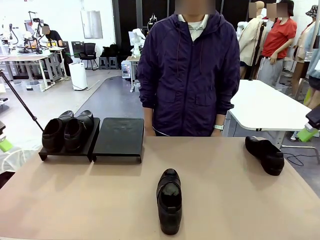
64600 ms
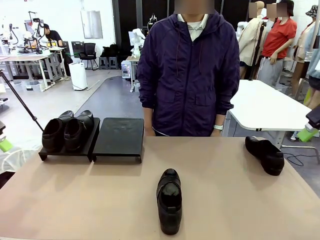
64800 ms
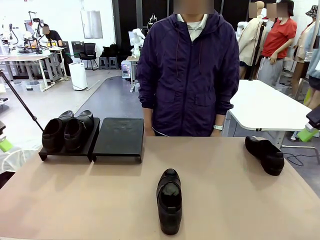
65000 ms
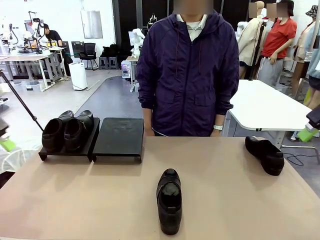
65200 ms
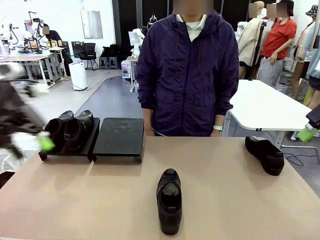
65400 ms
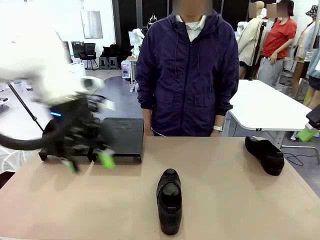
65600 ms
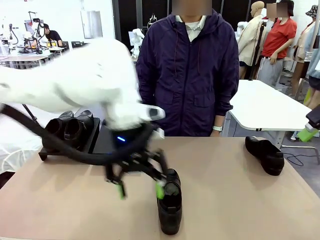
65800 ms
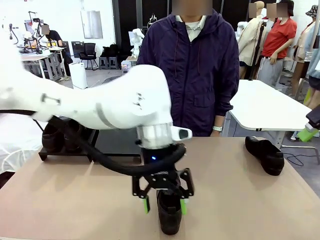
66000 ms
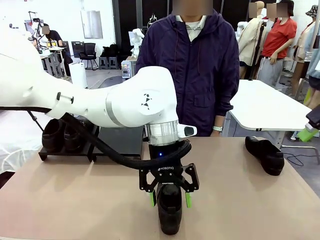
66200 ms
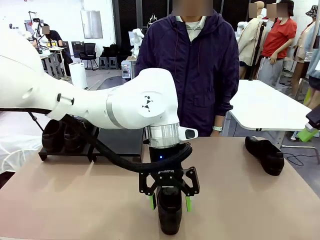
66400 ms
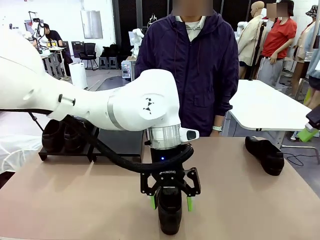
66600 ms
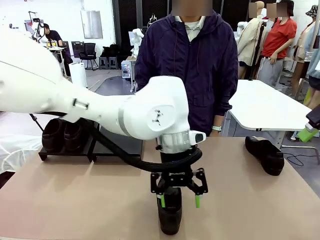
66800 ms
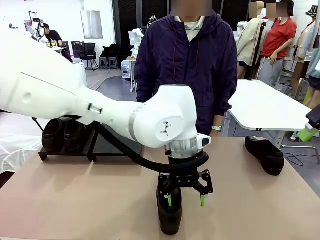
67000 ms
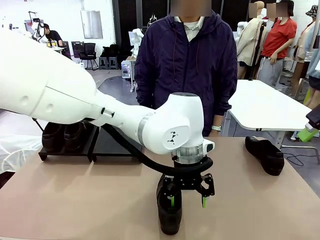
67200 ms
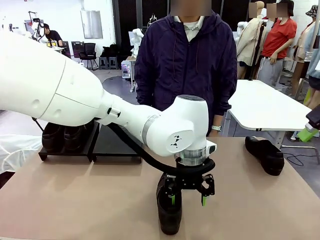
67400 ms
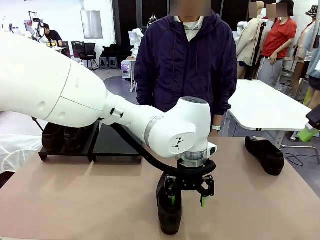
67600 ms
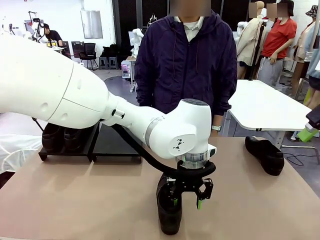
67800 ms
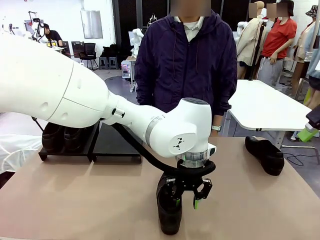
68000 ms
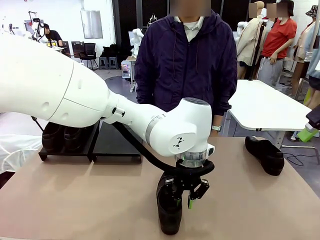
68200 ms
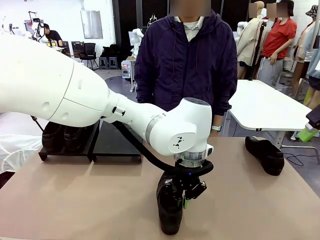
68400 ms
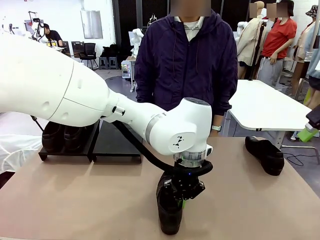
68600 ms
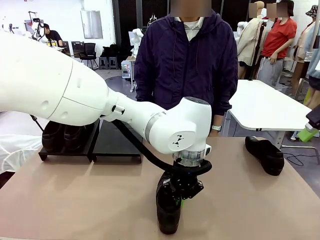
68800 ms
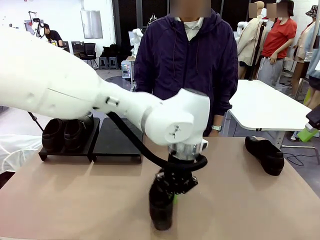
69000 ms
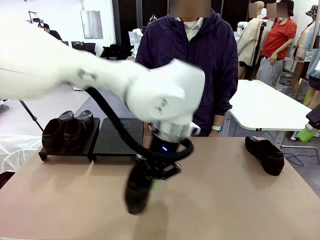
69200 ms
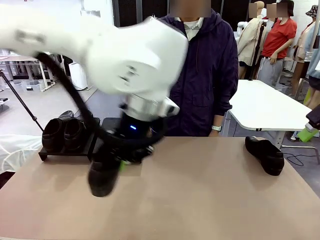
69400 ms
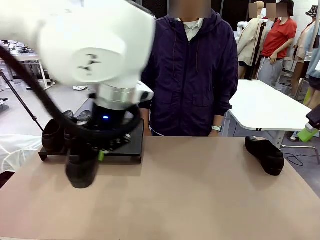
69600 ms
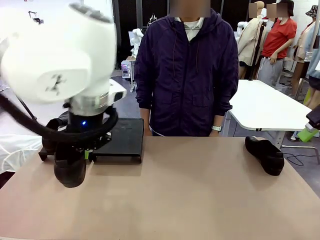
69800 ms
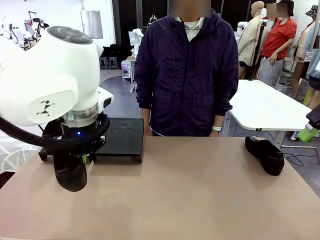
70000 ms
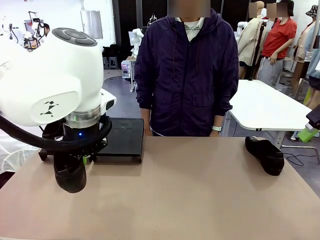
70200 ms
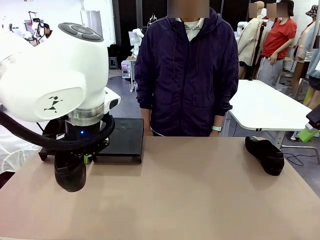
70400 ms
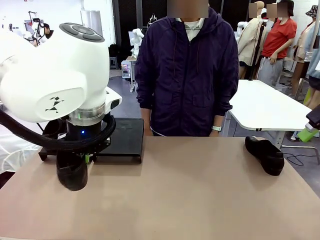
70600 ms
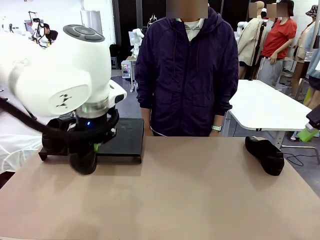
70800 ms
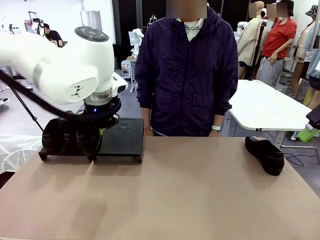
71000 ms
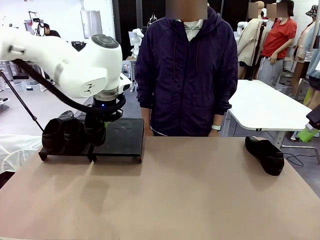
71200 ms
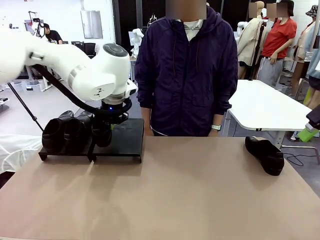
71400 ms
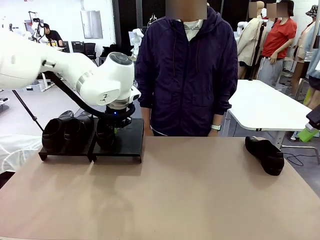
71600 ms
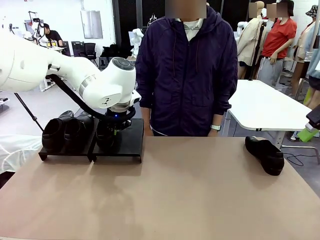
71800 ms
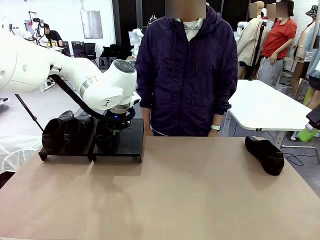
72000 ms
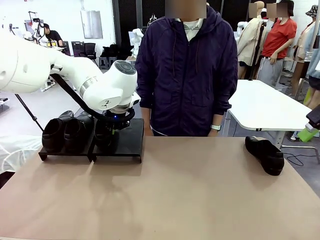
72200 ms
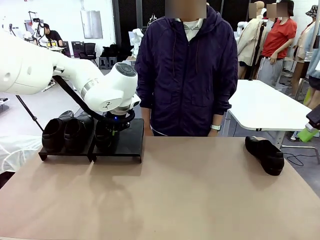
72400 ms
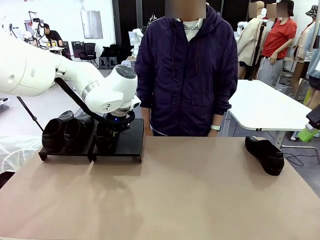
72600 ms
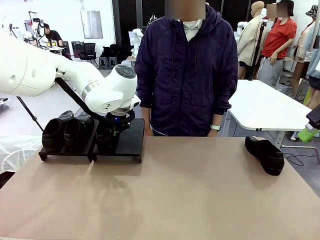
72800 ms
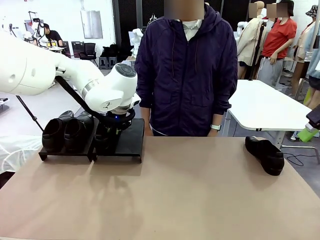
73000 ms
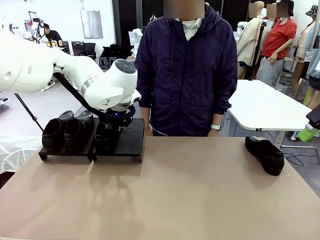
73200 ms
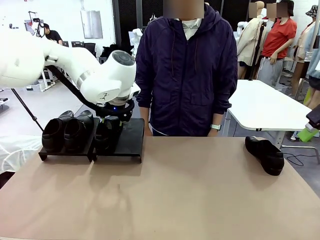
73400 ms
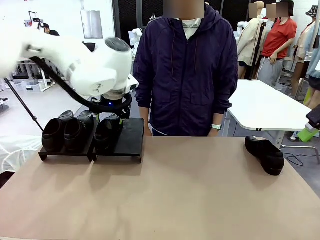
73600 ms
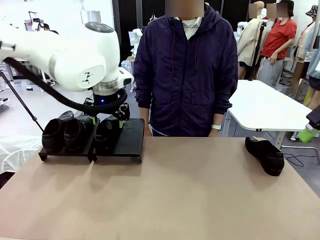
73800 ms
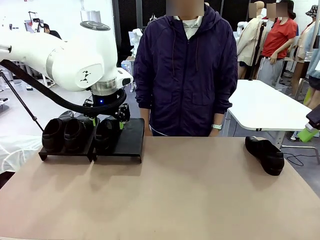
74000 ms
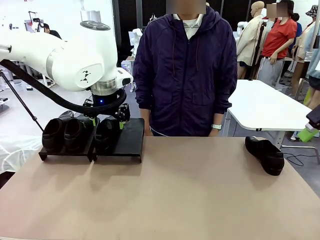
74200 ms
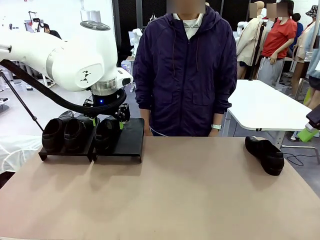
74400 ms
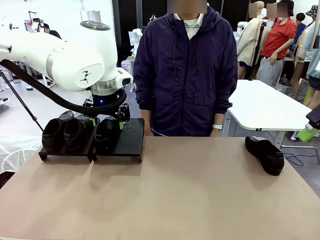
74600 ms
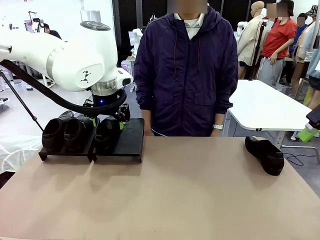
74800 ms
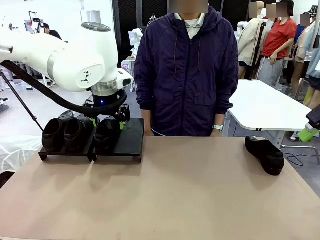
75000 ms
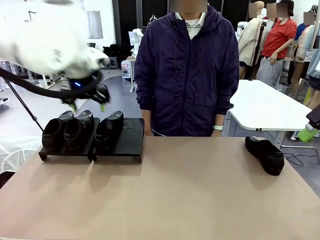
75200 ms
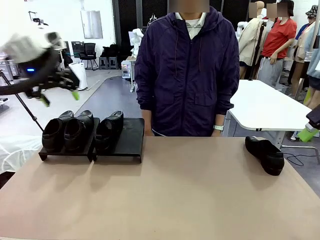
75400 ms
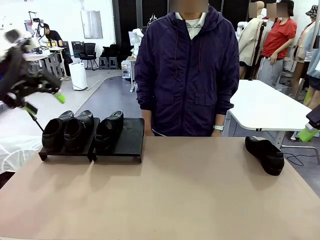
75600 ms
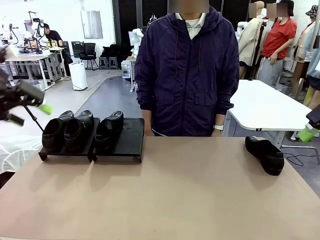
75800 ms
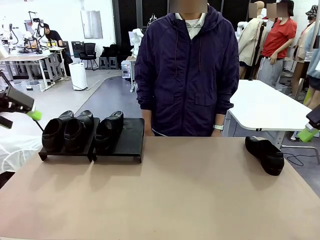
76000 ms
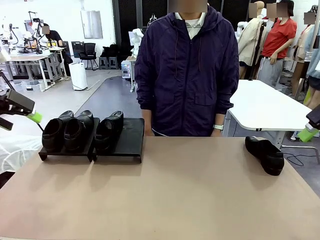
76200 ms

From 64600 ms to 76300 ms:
Task: Organize the shoes by placing them on the stand.
Robot: Place the Shoe from the middle of the table onto the Shoes Stand.

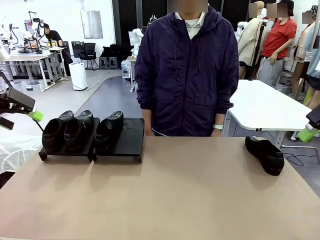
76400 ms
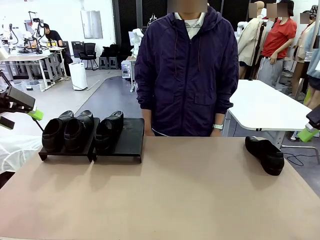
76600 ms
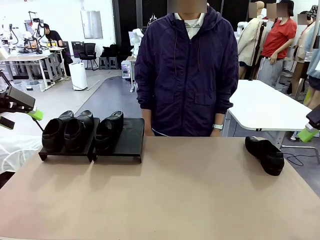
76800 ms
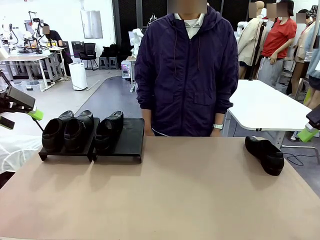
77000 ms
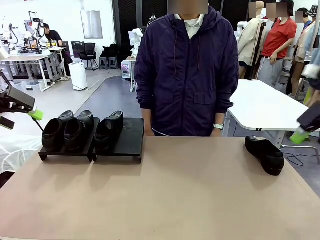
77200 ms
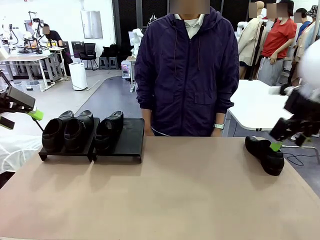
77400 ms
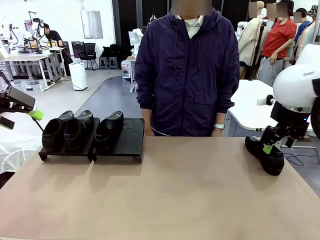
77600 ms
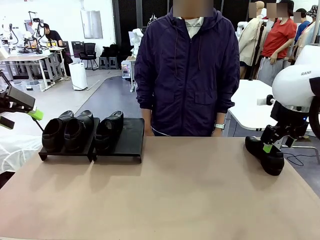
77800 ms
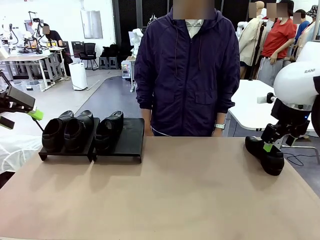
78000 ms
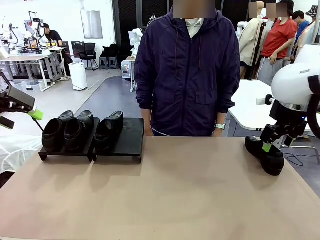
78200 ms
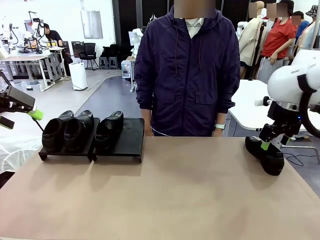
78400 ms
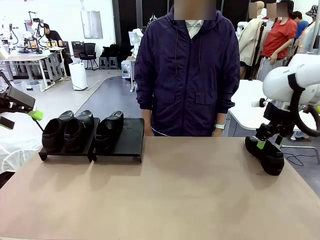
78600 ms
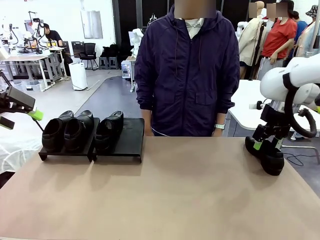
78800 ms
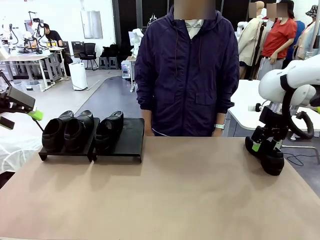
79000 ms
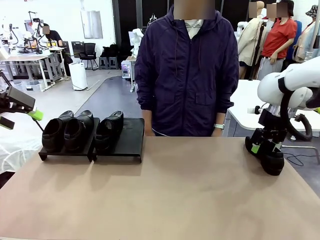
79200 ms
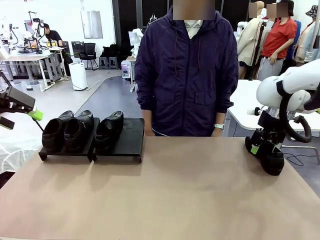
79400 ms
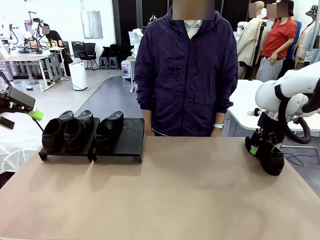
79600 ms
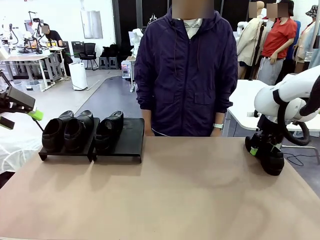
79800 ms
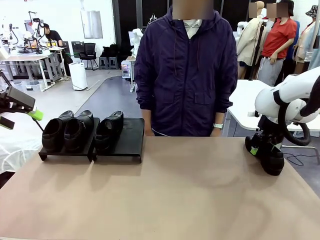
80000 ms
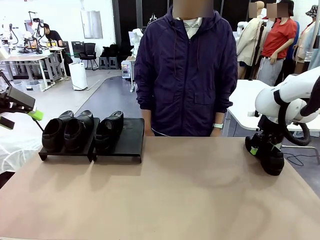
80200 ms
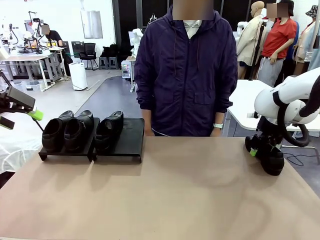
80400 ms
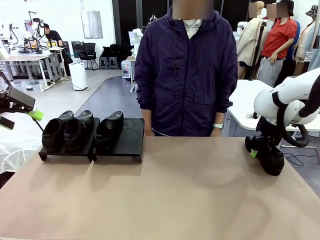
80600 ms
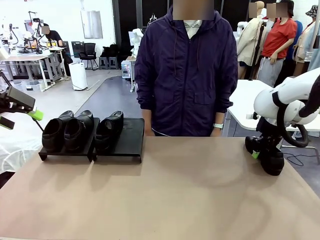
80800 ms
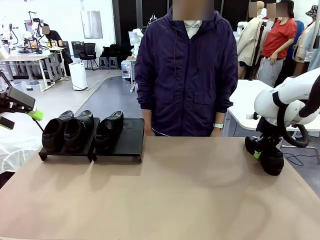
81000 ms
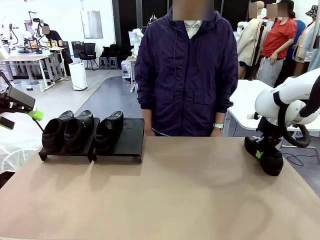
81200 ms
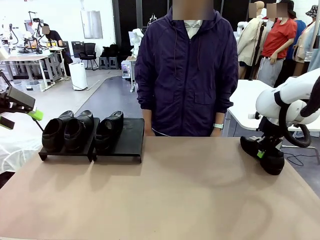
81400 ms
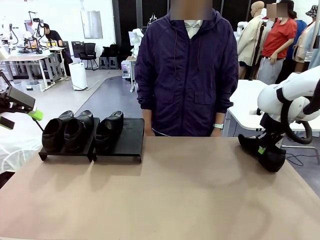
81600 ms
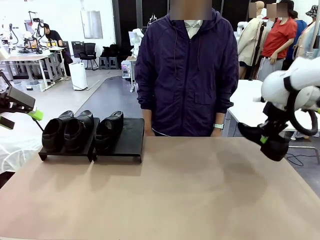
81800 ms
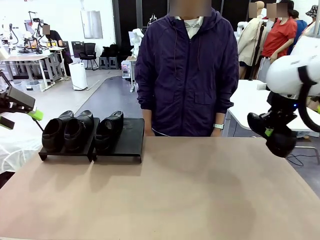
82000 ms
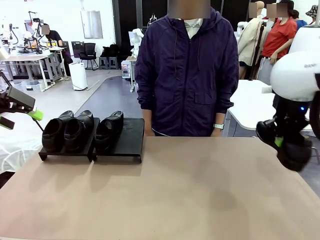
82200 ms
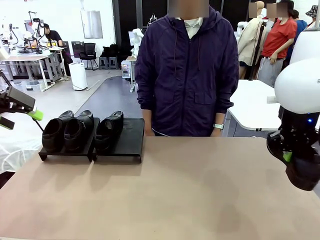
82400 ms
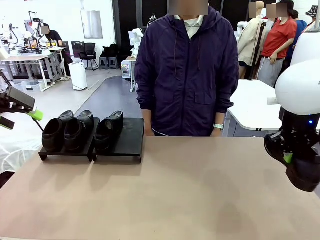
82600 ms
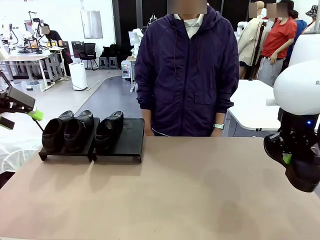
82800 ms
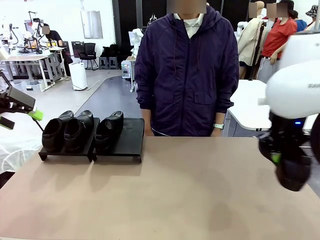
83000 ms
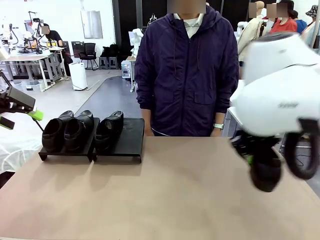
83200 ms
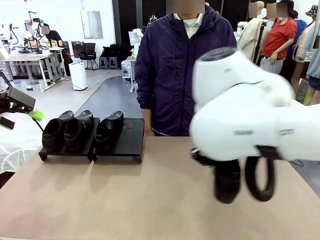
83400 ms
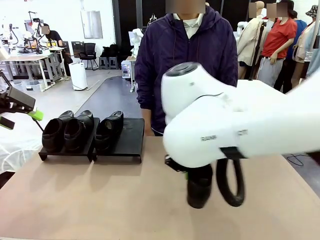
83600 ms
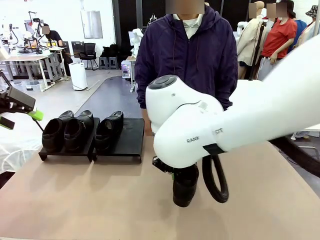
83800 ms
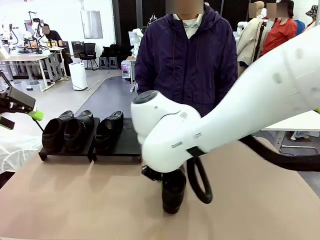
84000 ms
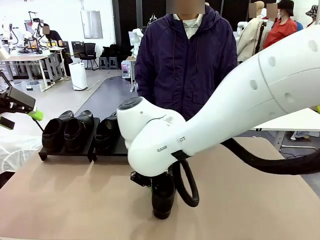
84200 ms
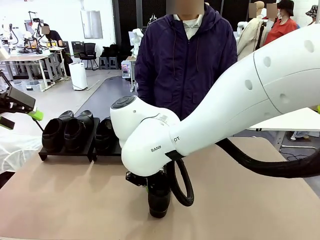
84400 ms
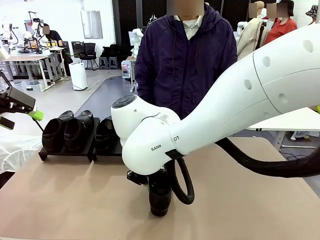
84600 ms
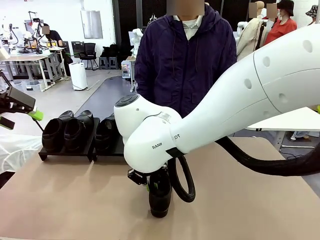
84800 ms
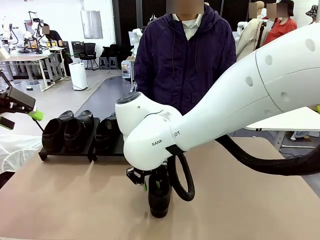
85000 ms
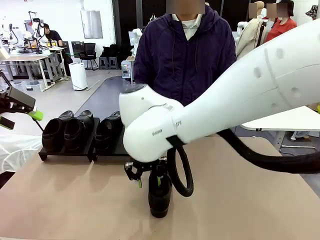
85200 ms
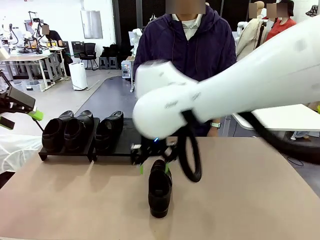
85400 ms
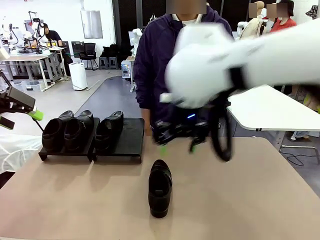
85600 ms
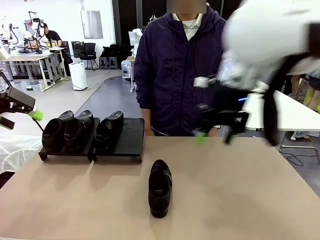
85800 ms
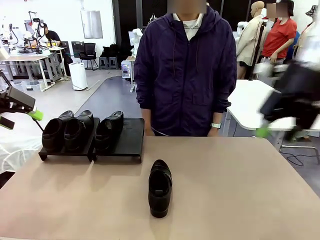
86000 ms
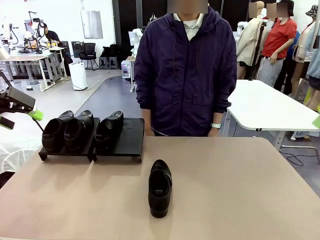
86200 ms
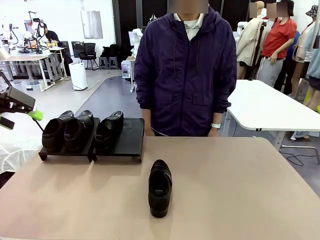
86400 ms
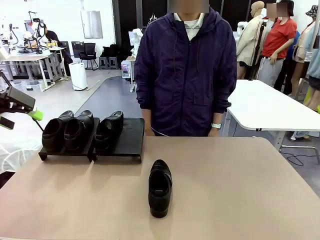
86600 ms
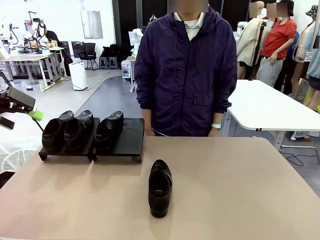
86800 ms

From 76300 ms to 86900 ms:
Robot: Pick up one Shoe and place it in the middle of the table.
